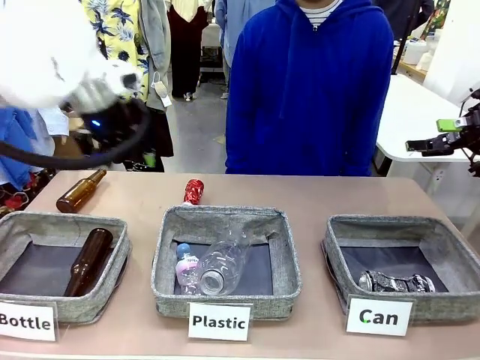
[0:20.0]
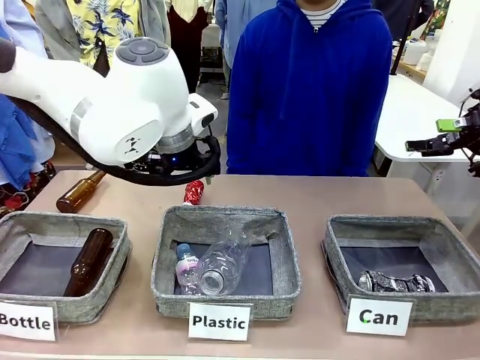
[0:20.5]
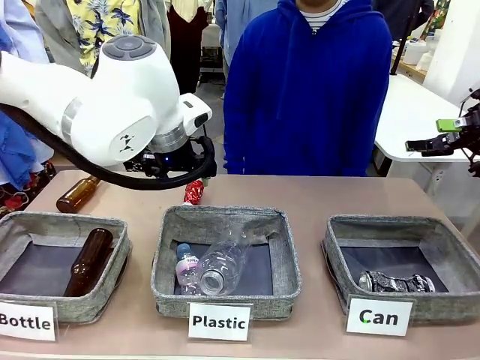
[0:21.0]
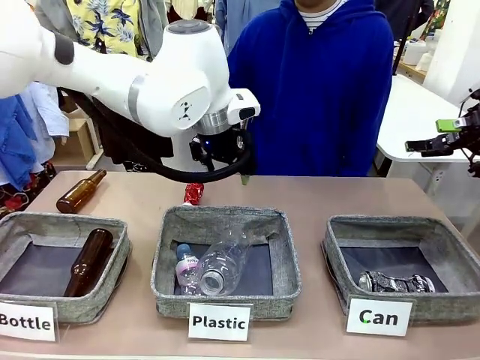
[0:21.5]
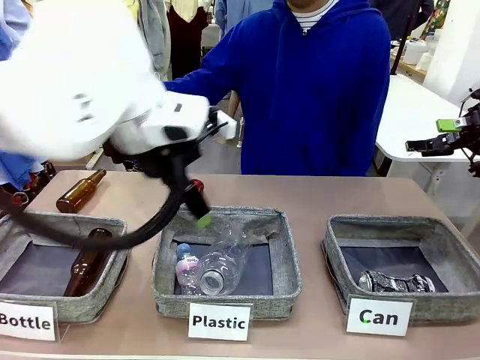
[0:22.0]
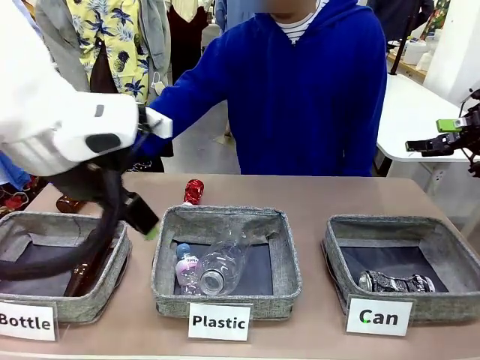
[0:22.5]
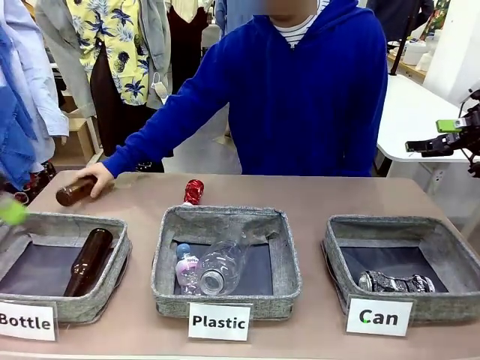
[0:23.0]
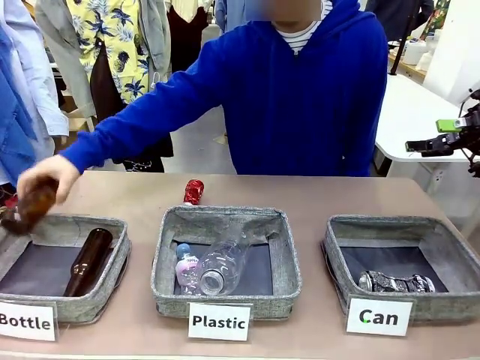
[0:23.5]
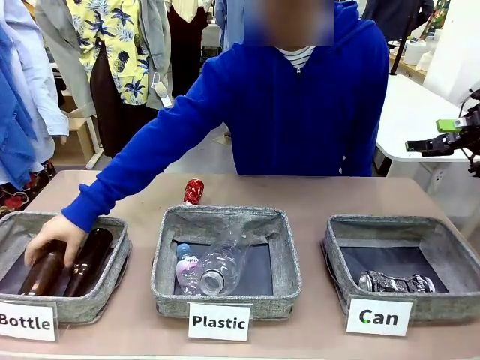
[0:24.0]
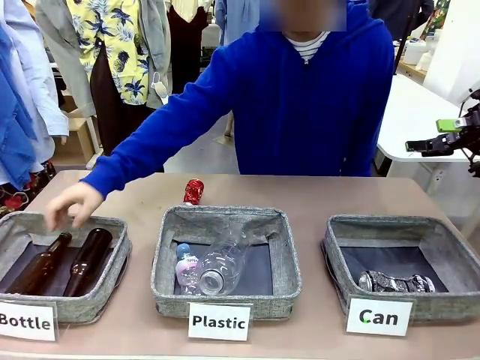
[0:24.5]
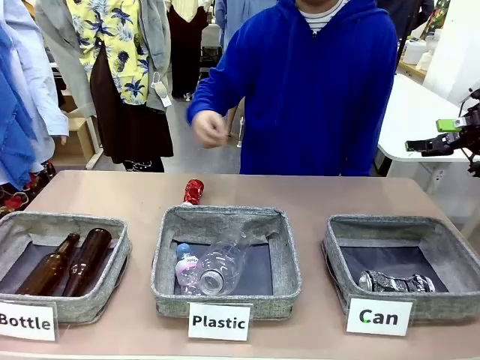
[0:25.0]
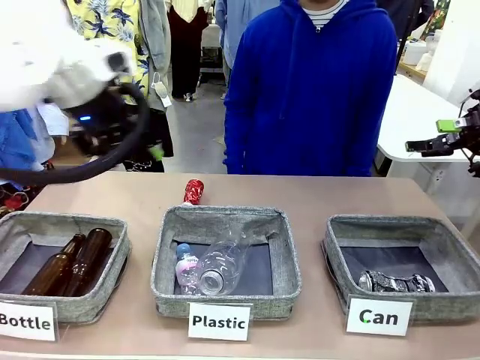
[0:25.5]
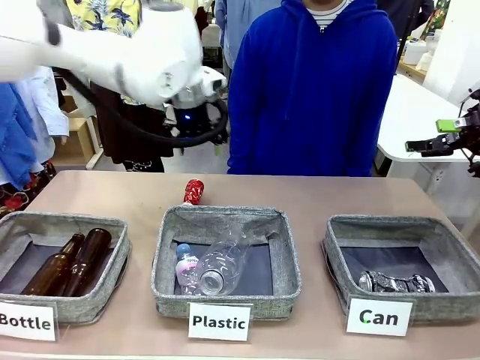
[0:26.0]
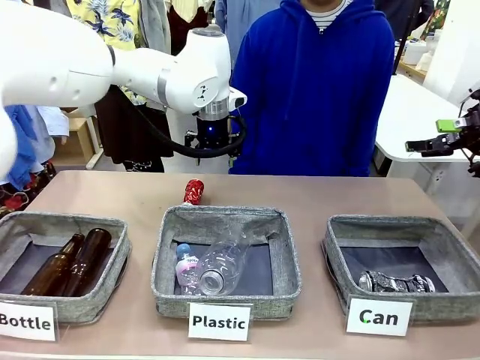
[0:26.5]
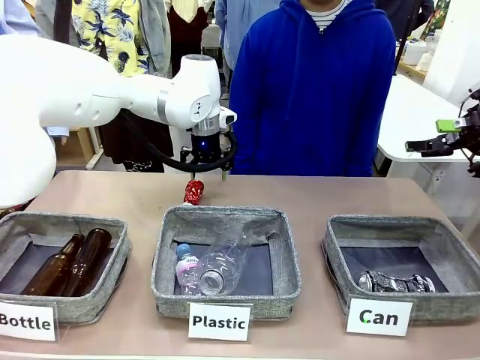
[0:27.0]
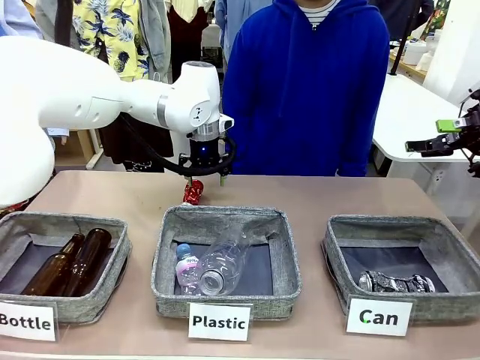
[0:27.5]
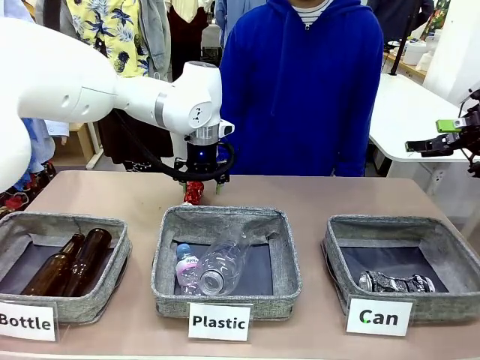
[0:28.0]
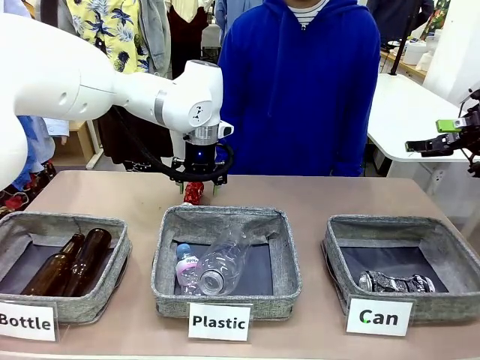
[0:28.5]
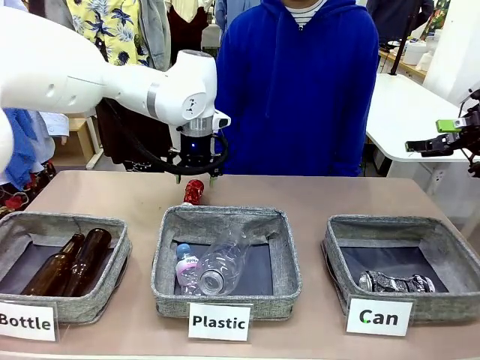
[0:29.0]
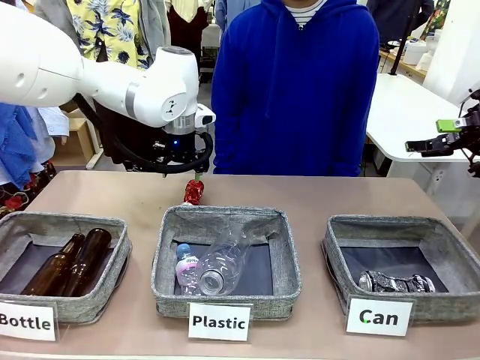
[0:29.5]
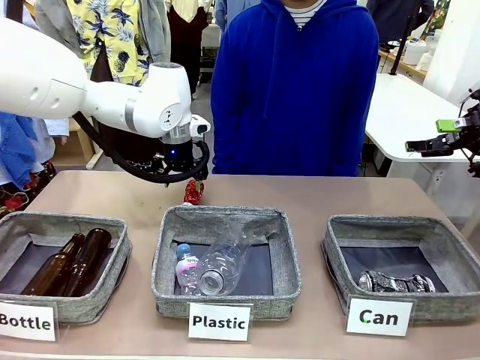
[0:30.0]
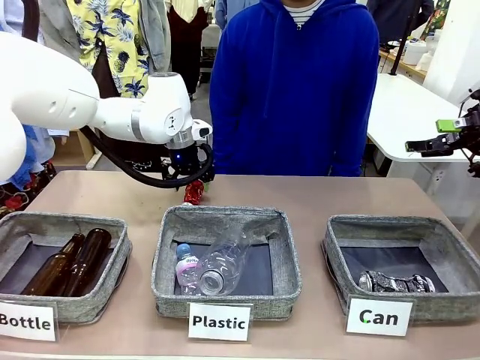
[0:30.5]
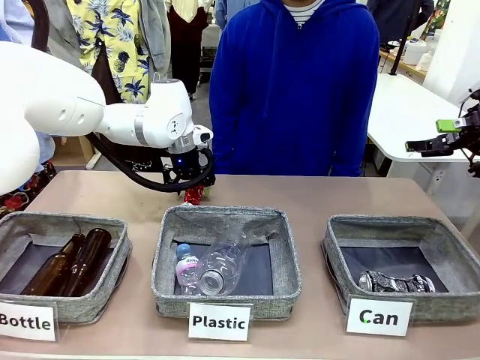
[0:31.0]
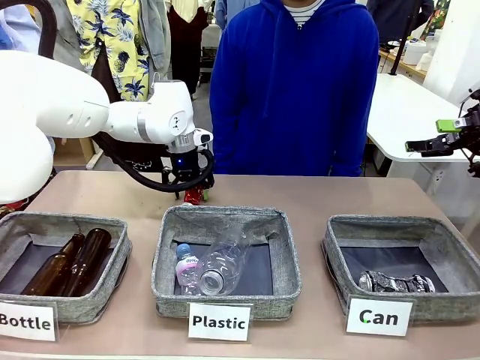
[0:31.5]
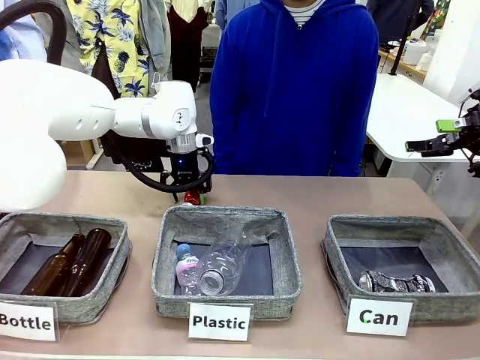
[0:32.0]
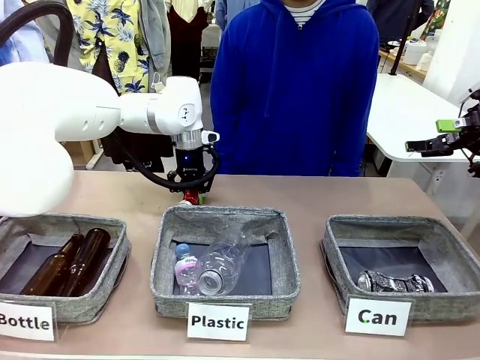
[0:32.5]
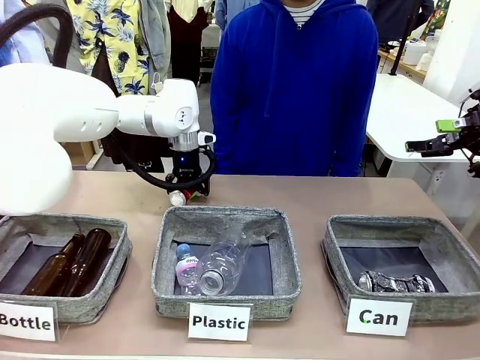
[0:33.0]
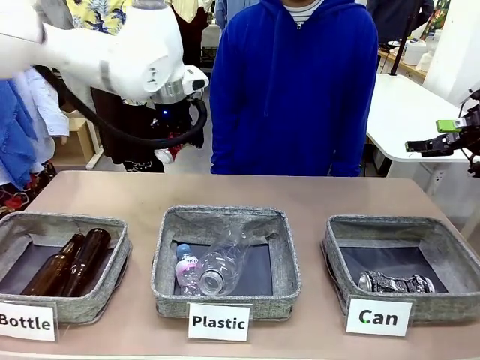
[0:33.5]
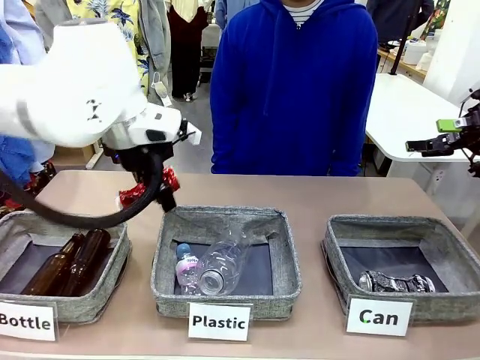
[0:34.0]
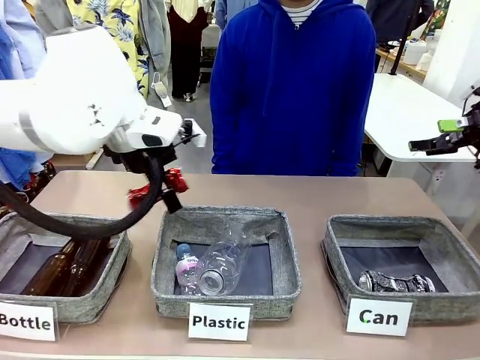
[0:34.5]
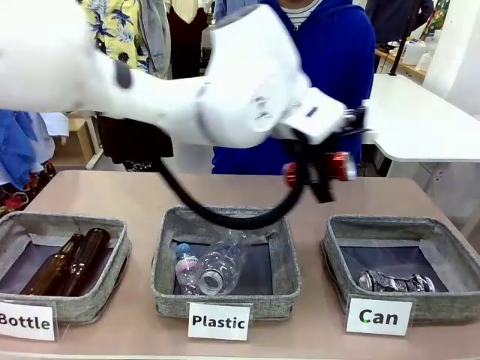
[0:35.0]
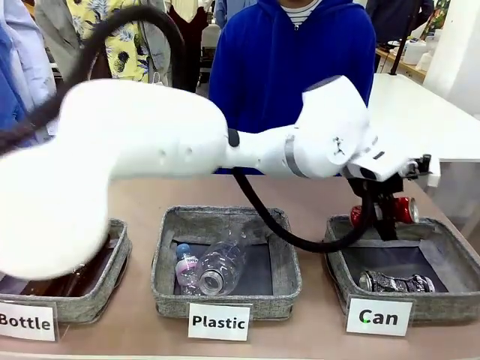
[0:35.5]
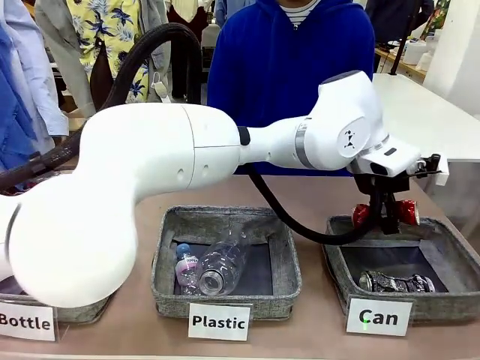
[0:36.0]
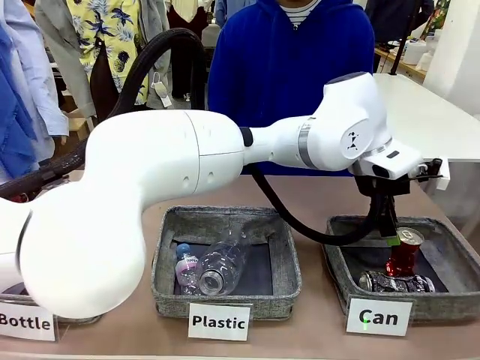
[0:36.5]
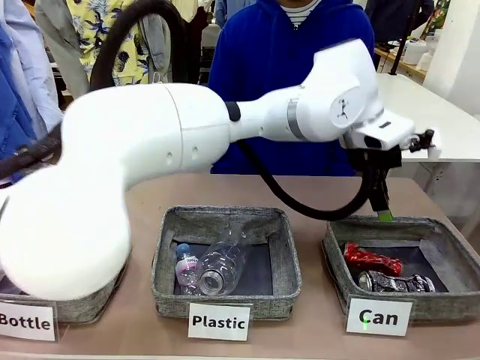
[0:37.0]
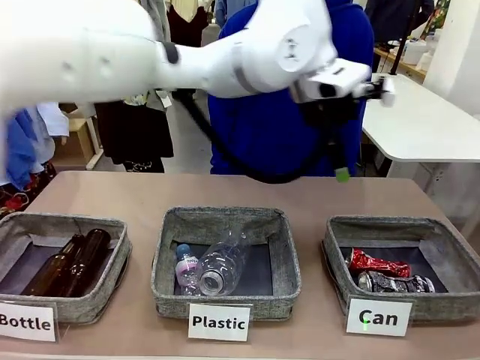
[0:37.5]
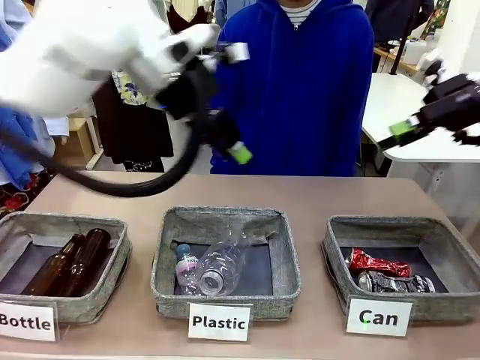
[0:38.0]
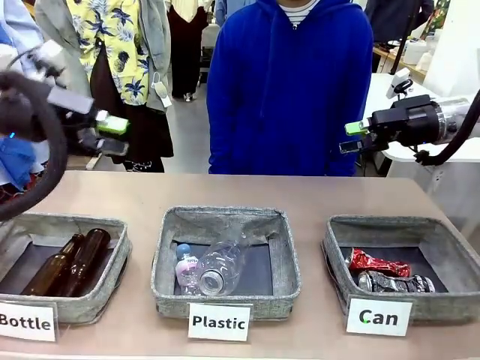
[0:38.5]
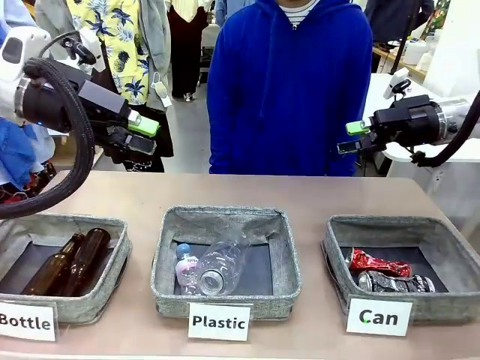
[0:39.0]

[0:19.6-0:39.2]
Task: Sort the can waste into the basket.
Robot: Pick up the can waste from the table and place it in the right Fabric basket.
